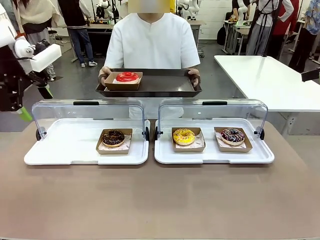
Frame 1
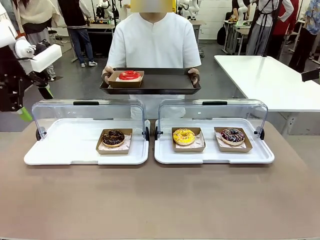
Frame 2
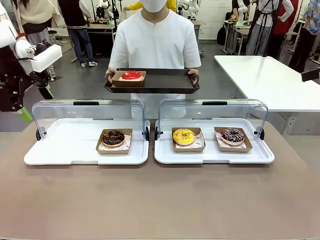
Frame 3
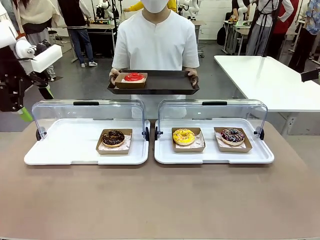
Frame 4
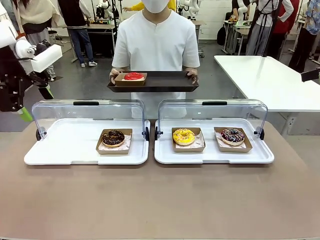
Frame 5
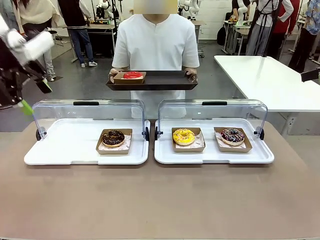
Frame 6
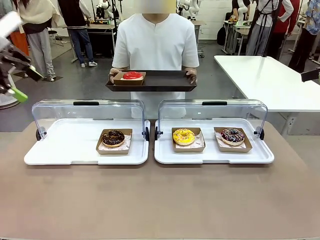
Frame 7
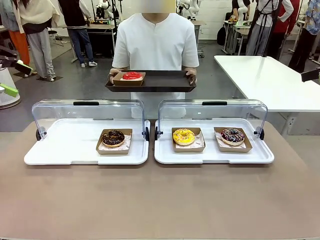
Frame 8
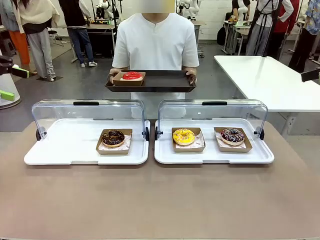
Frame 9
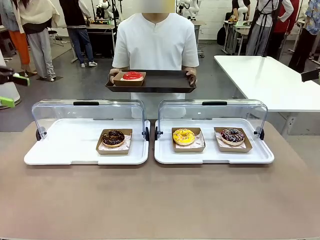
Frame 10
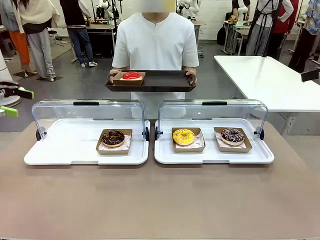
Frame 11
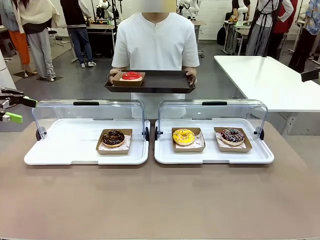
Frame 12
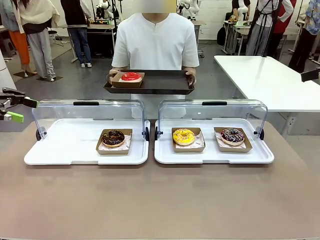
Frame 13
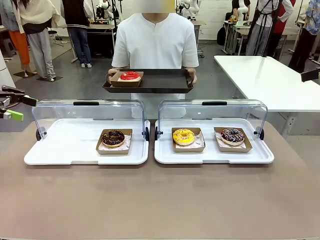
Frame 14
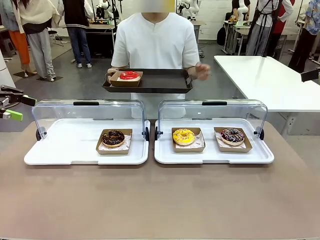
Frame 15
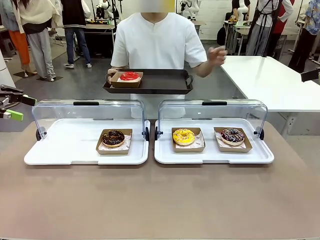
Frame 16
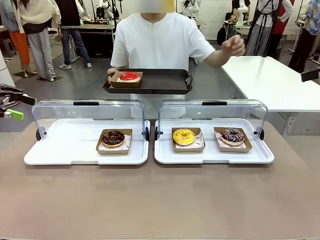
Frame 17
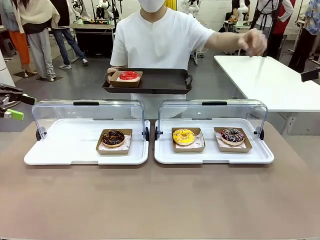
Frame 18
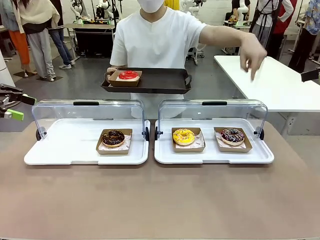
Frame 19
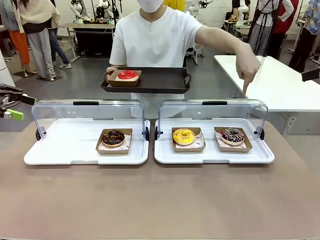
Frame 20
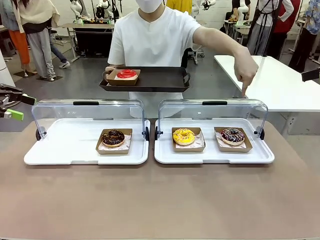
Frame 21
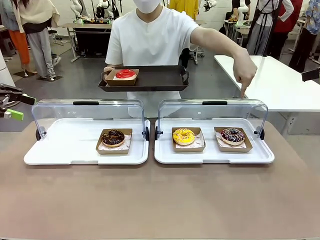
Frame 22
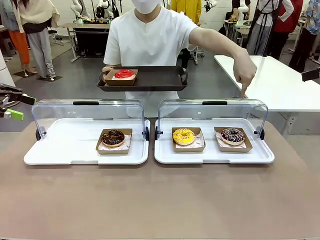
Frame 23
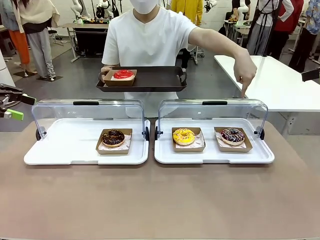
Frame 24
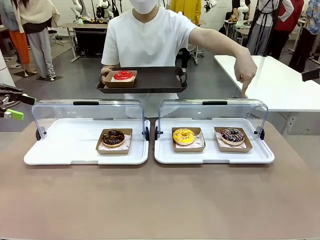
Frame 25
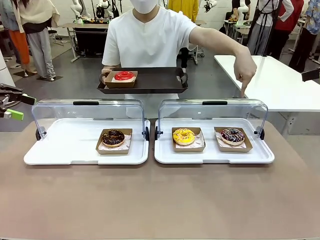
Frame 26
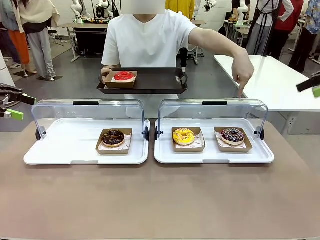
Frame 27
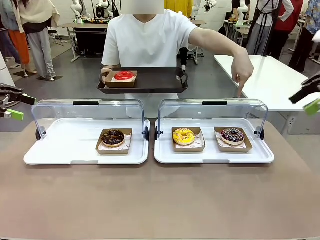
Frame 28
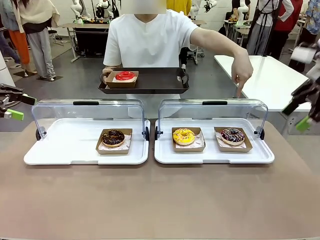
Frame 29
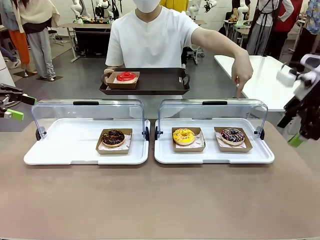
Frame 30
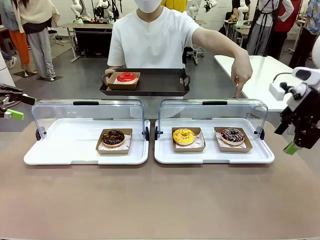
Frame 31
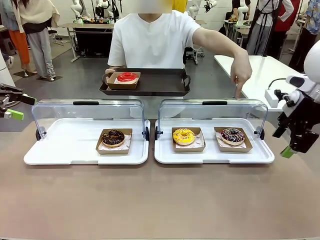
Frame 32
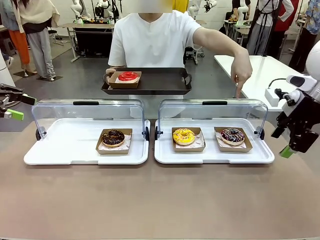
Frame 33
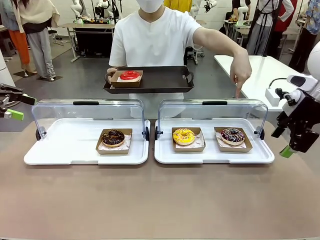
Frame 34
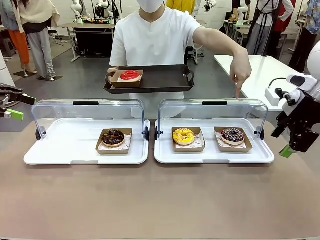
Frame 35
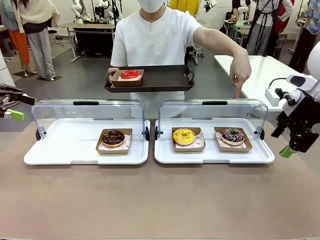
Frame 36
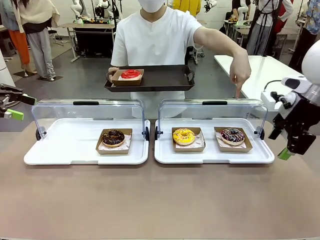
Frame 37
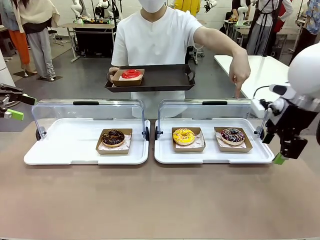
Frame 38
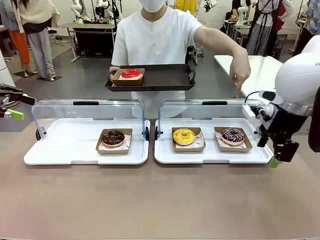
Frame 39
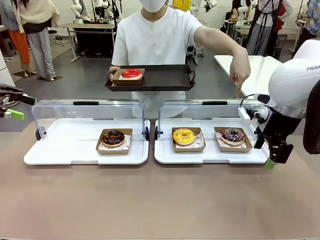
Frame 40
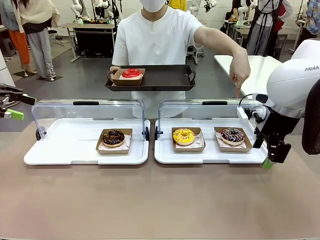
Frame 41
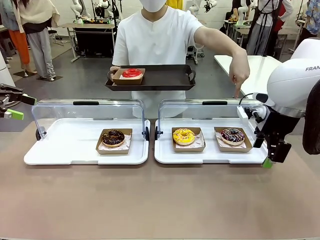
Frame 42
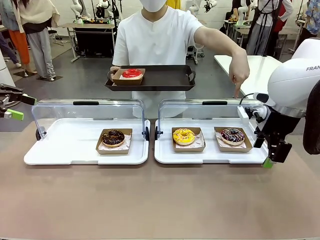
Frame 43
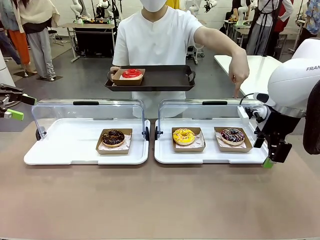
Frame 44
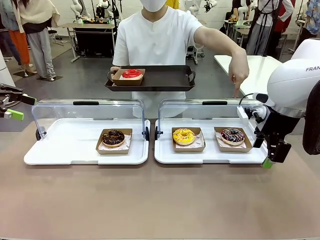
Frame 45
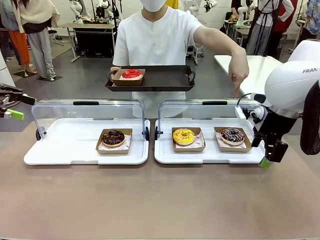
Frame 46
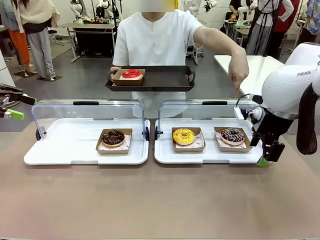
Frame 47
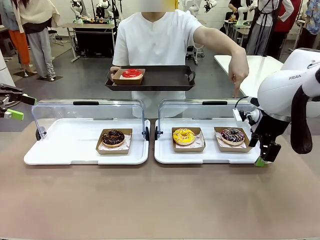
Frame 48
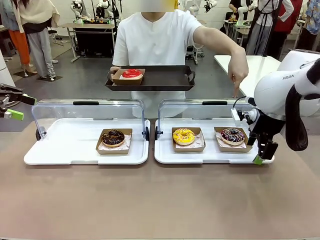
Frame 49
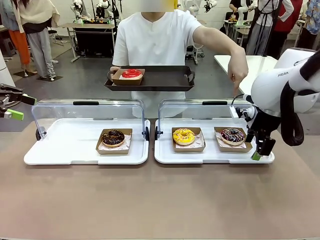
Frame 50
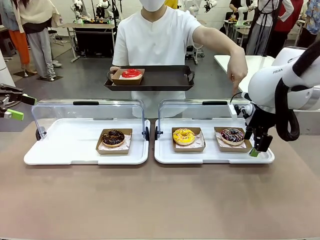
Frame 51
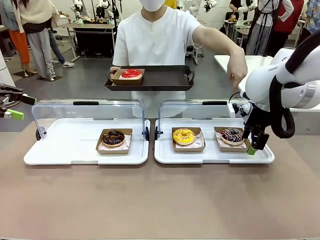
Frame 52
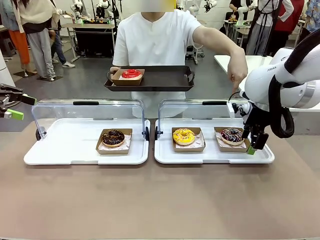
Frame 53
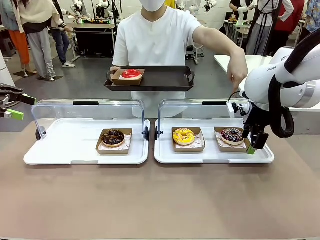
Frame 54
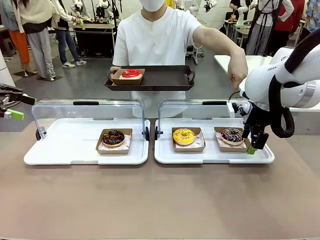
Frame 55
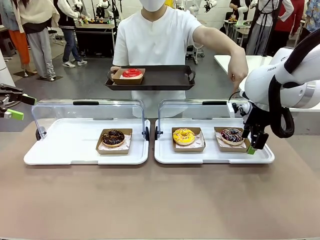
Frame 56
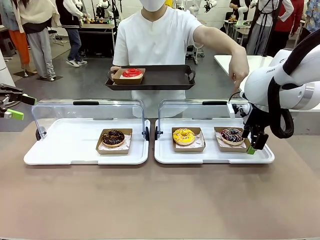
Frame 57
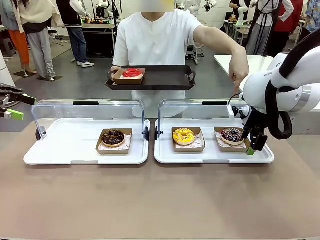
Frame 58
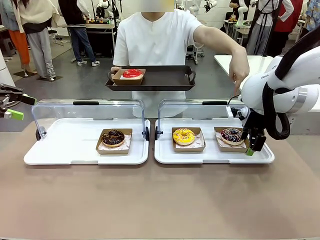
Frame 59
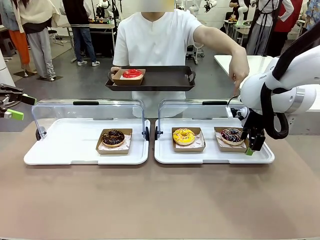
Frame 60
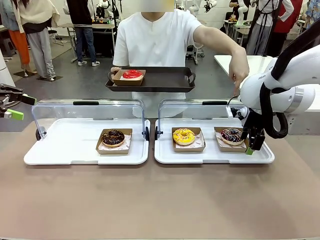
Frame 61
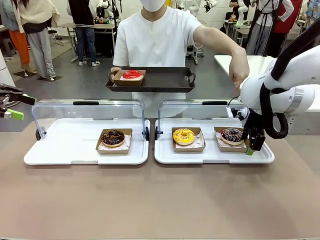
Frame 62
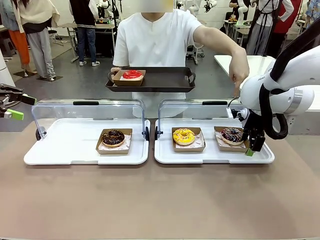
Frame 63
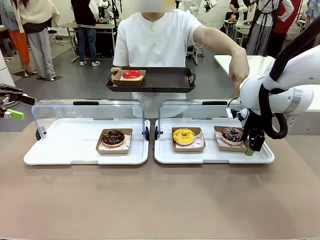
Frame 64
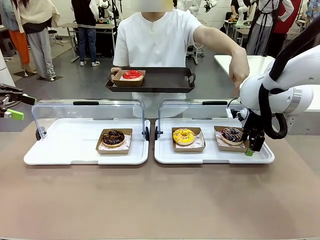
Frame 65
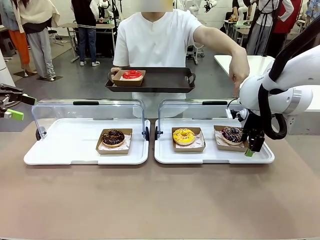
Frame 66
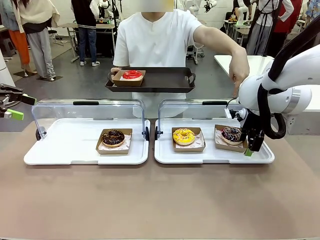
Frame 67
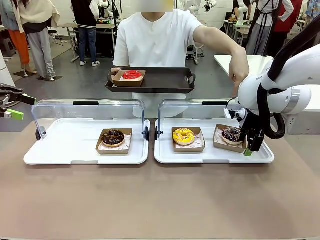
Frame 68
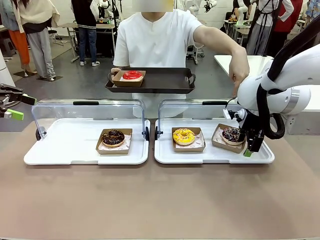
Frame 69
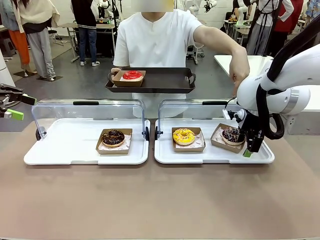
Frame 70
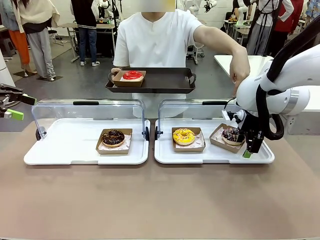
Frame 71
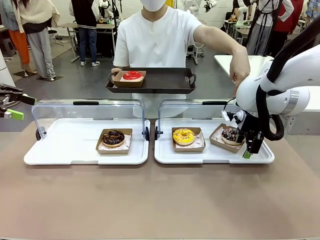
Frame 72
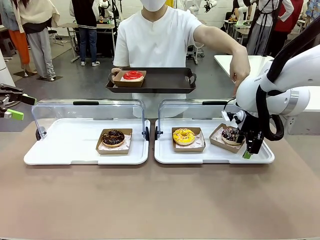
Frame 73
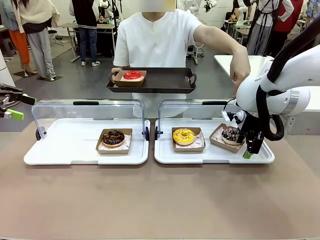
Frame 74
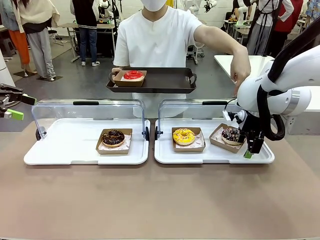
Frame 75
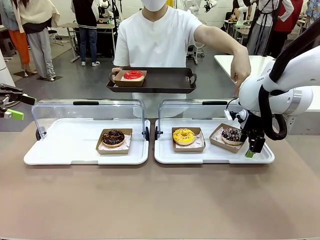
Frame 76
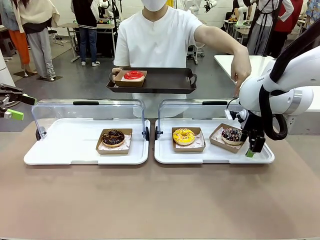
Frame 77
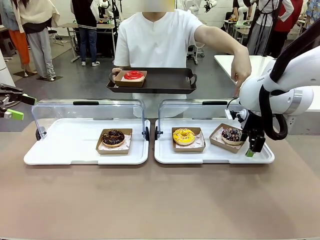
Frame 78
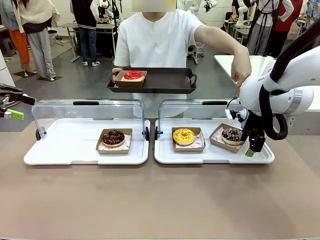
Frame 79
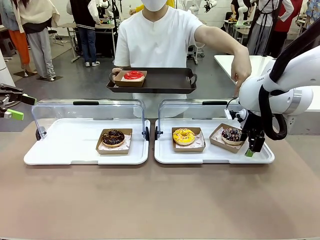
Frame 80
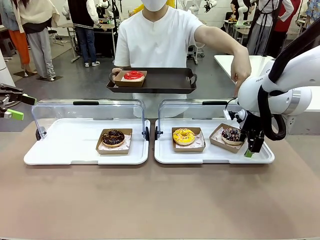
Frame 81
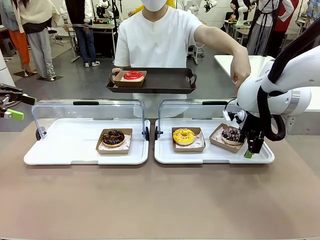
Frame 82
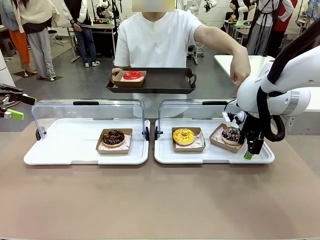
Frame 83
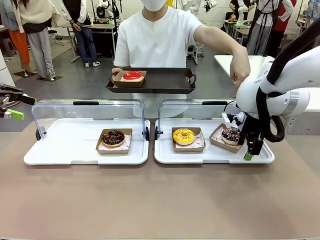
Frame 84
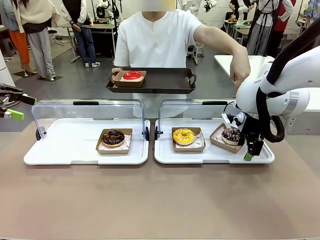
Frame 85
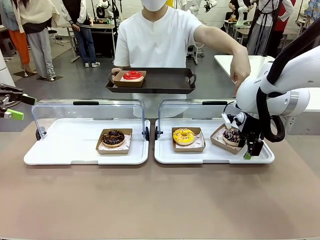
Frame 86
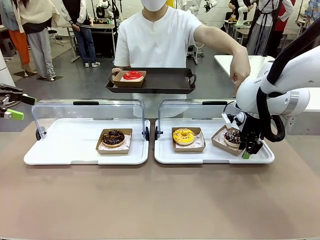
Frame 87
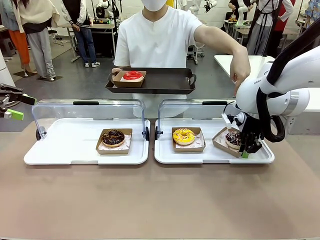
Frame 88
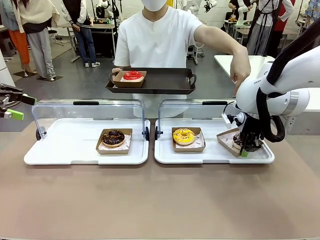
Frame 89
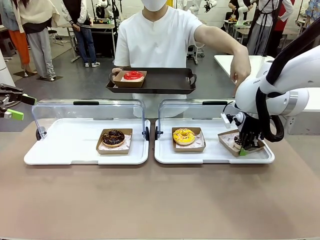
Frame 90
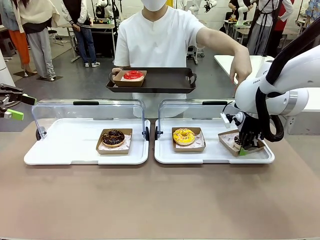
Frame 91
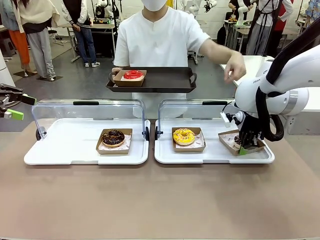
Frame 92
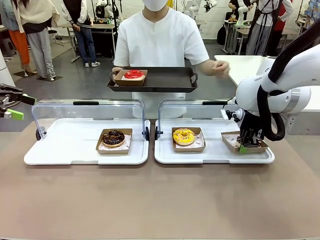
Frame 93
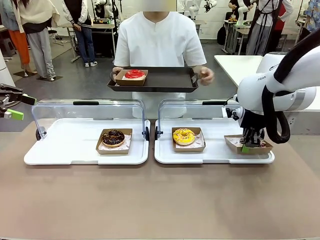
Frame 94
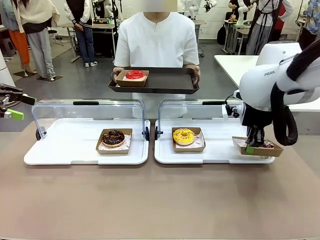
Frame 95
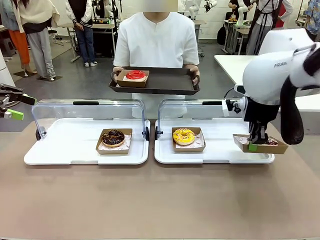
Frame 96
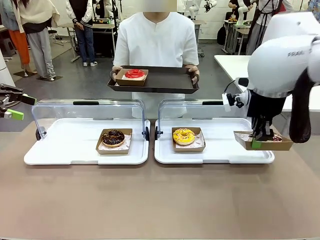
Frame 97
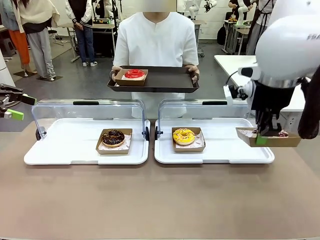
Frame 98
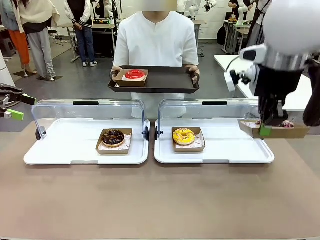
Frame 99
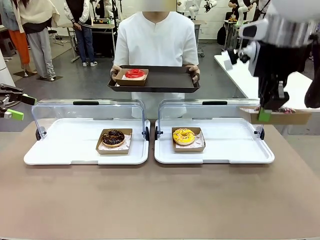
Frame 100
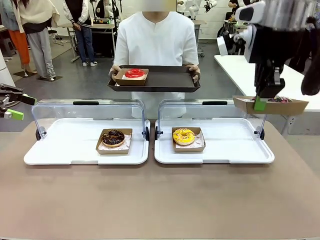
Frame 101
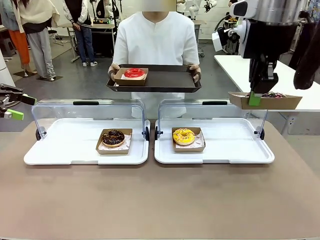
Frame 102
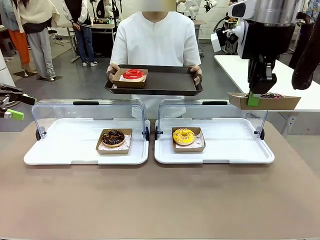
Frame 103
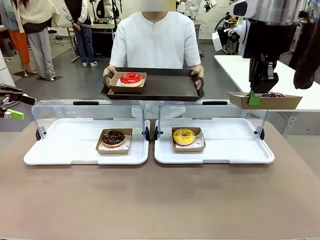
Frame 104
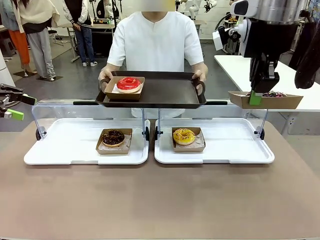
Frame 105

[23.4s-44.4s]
Task: Provide the desired donut to the person.
Robot: Pick up and lift the Paper togo box containing the Donut pointed at by the person.
Person: Point to one donut. Lift the tray onto the Roll-Top Bakery Case.
